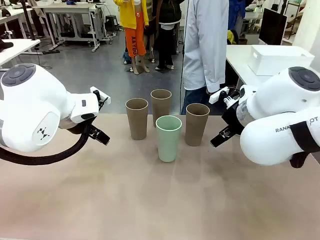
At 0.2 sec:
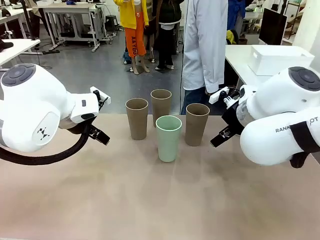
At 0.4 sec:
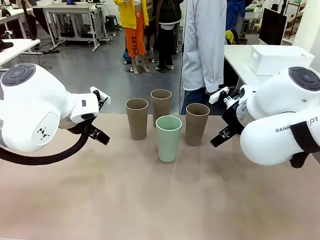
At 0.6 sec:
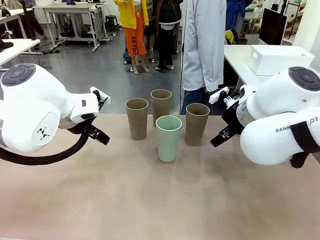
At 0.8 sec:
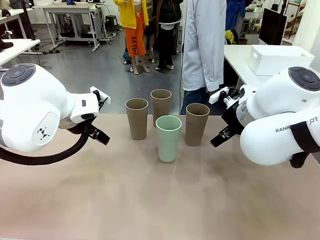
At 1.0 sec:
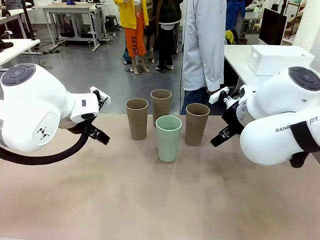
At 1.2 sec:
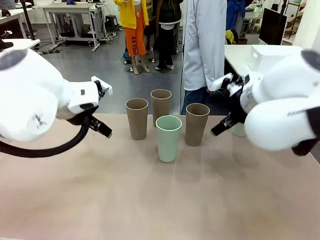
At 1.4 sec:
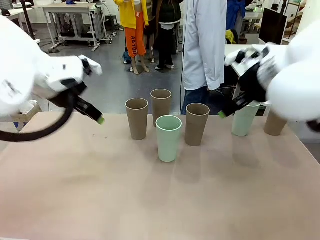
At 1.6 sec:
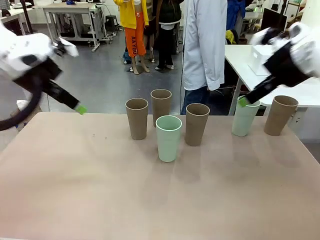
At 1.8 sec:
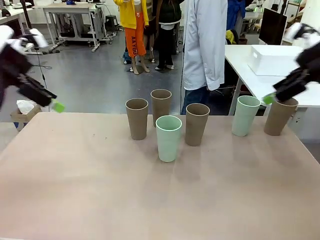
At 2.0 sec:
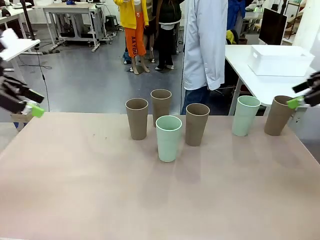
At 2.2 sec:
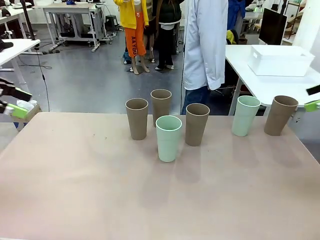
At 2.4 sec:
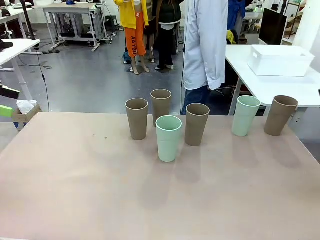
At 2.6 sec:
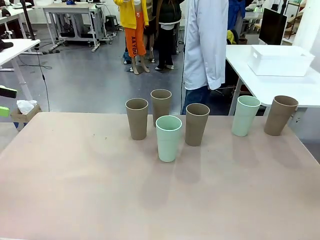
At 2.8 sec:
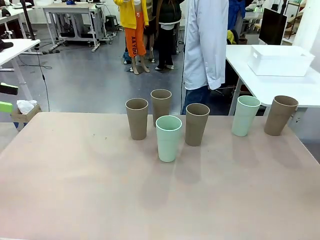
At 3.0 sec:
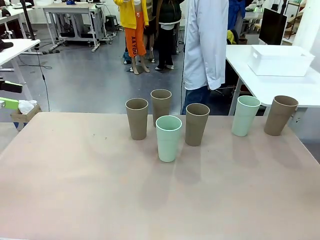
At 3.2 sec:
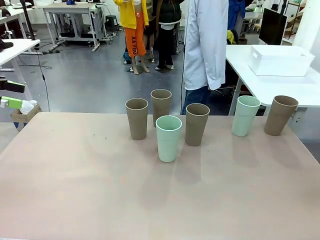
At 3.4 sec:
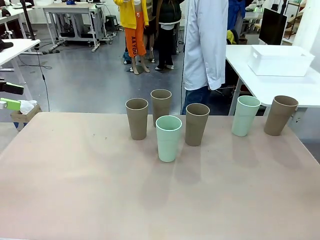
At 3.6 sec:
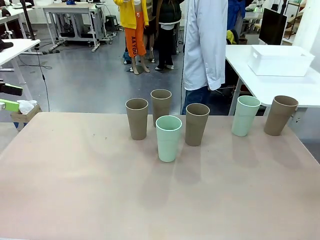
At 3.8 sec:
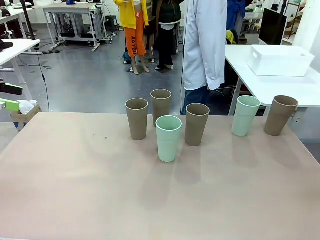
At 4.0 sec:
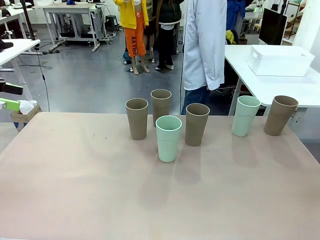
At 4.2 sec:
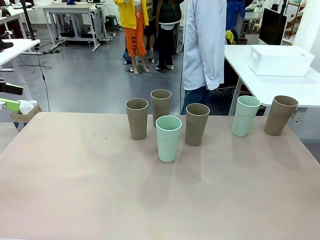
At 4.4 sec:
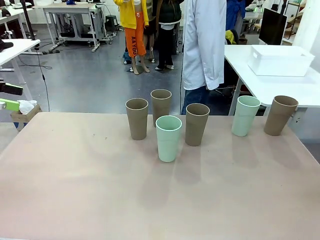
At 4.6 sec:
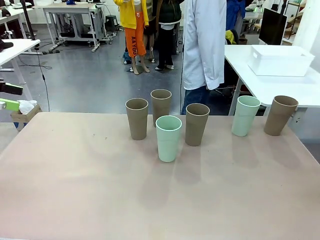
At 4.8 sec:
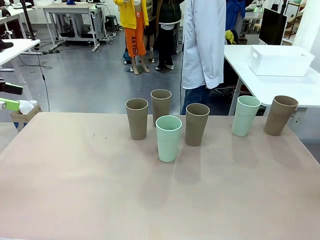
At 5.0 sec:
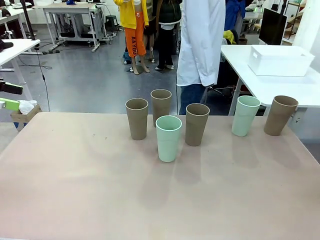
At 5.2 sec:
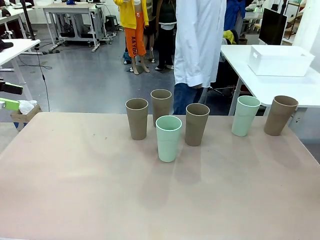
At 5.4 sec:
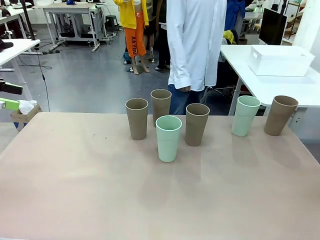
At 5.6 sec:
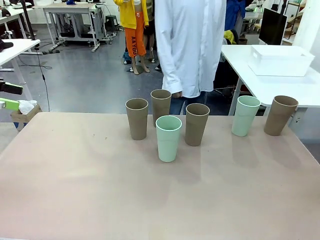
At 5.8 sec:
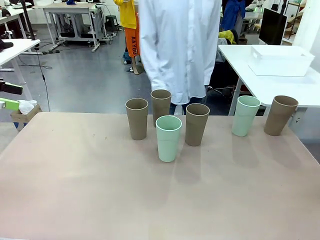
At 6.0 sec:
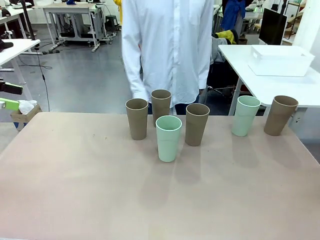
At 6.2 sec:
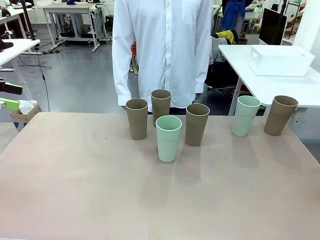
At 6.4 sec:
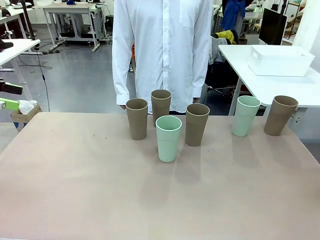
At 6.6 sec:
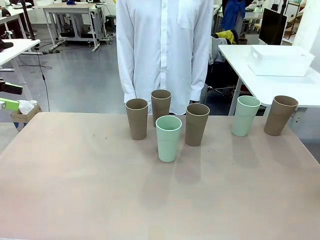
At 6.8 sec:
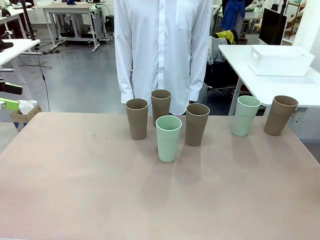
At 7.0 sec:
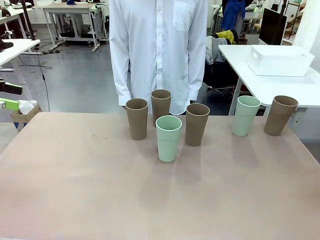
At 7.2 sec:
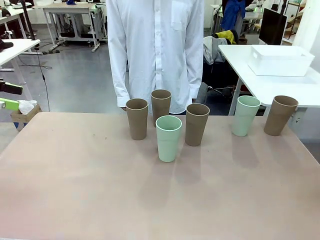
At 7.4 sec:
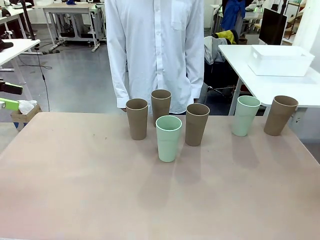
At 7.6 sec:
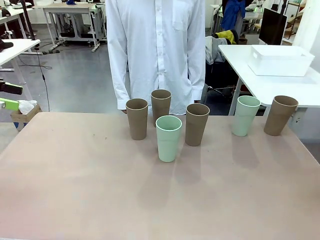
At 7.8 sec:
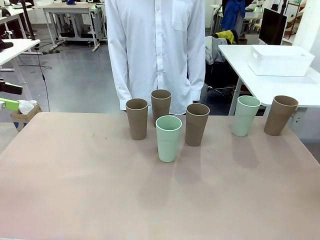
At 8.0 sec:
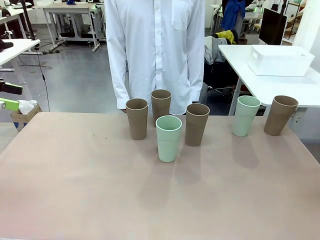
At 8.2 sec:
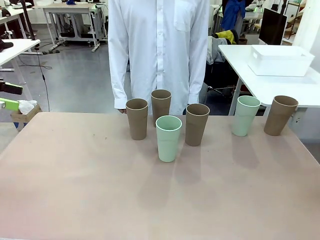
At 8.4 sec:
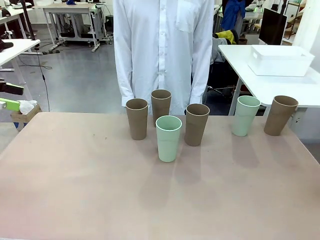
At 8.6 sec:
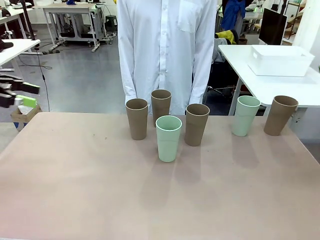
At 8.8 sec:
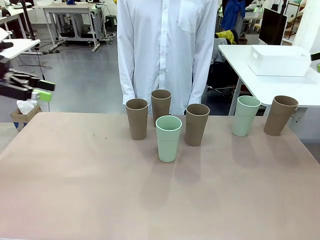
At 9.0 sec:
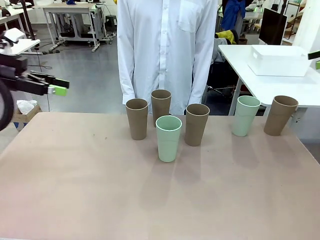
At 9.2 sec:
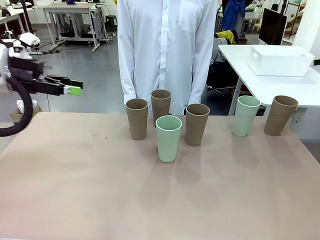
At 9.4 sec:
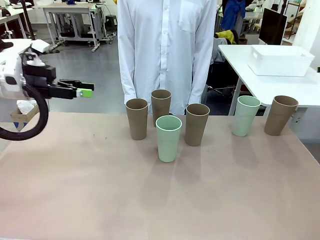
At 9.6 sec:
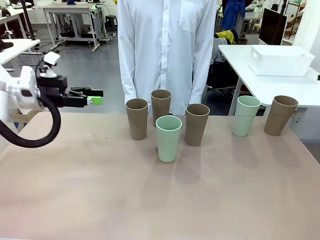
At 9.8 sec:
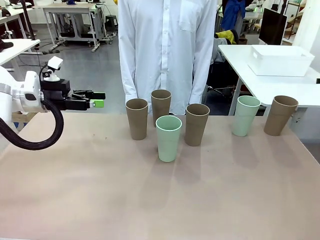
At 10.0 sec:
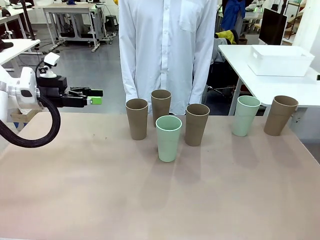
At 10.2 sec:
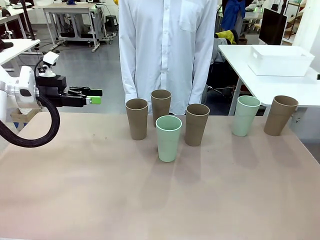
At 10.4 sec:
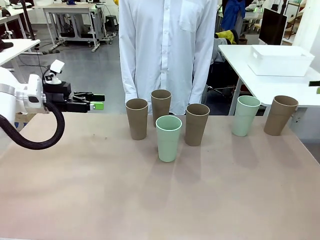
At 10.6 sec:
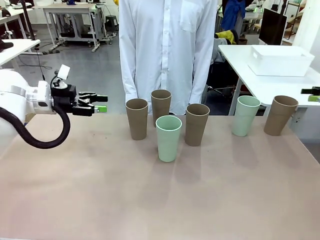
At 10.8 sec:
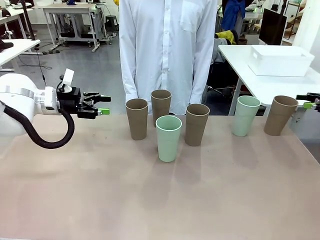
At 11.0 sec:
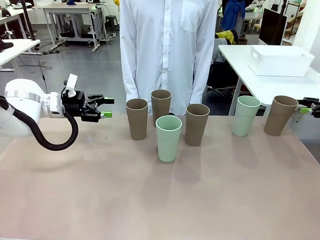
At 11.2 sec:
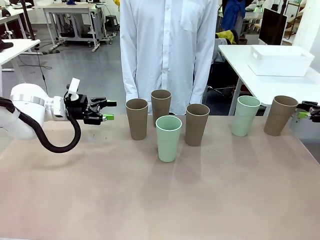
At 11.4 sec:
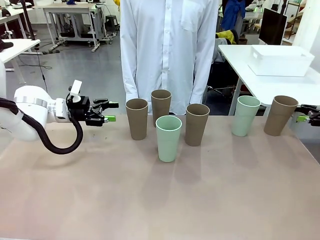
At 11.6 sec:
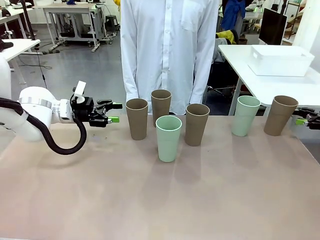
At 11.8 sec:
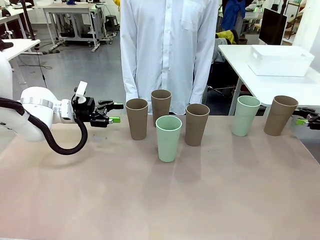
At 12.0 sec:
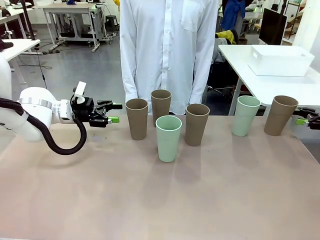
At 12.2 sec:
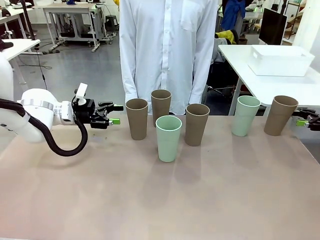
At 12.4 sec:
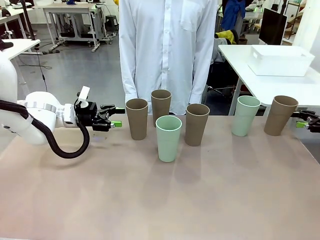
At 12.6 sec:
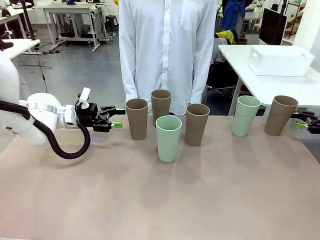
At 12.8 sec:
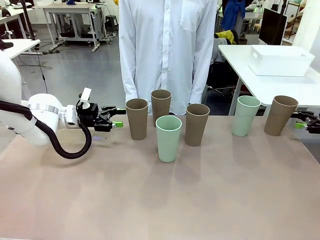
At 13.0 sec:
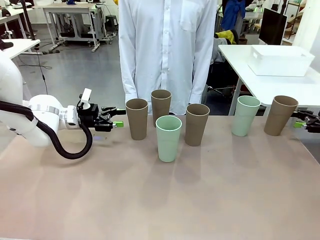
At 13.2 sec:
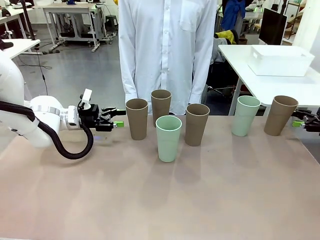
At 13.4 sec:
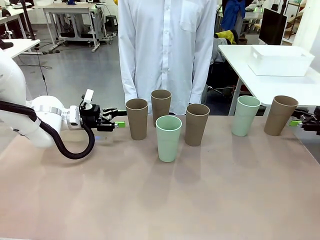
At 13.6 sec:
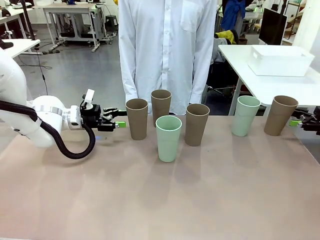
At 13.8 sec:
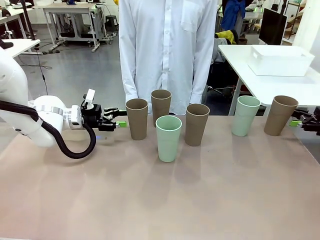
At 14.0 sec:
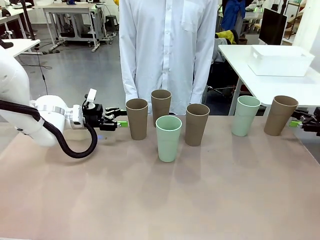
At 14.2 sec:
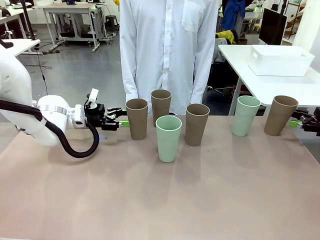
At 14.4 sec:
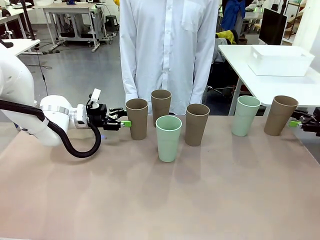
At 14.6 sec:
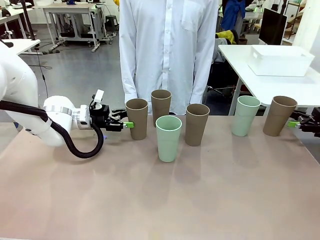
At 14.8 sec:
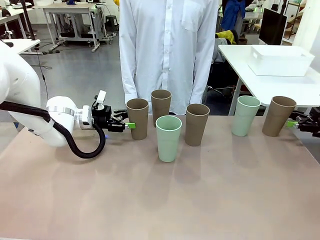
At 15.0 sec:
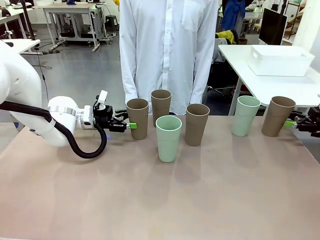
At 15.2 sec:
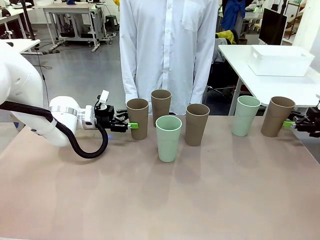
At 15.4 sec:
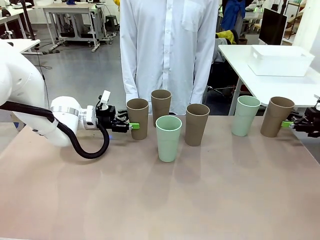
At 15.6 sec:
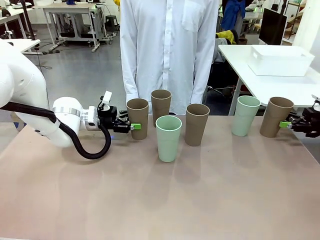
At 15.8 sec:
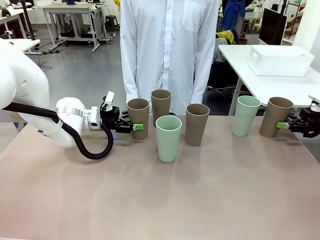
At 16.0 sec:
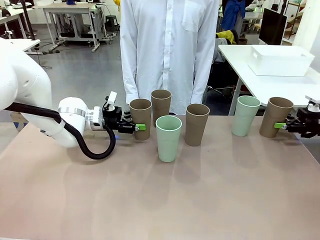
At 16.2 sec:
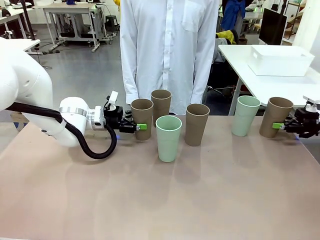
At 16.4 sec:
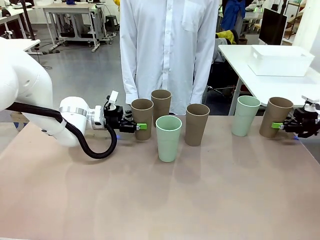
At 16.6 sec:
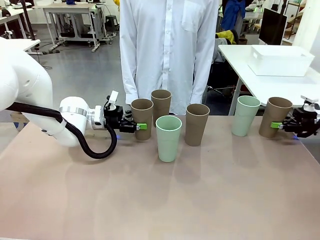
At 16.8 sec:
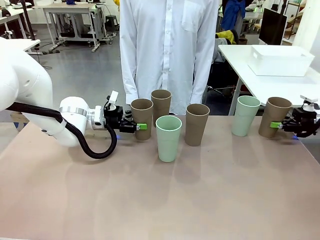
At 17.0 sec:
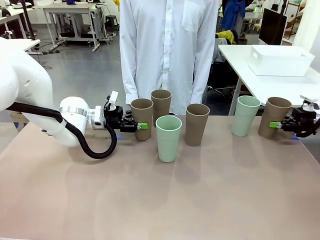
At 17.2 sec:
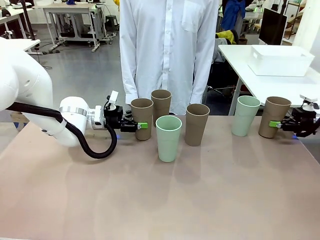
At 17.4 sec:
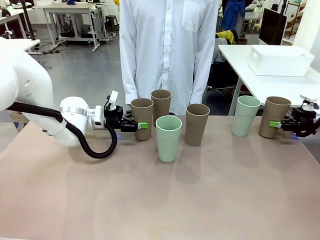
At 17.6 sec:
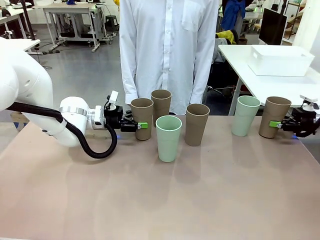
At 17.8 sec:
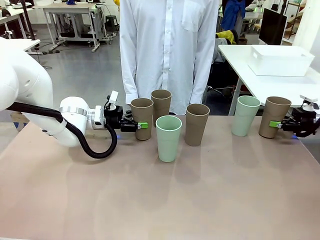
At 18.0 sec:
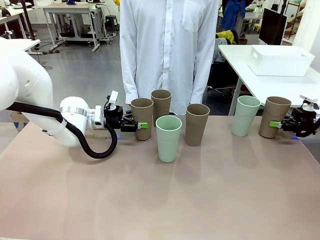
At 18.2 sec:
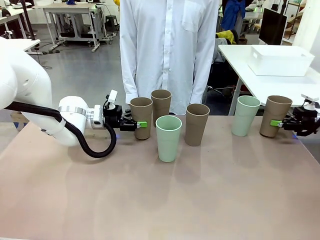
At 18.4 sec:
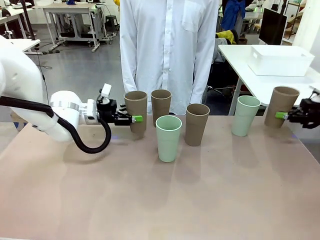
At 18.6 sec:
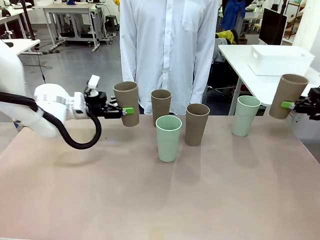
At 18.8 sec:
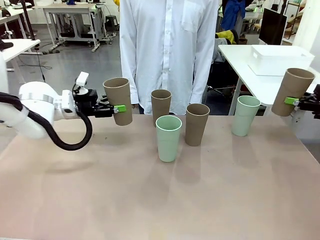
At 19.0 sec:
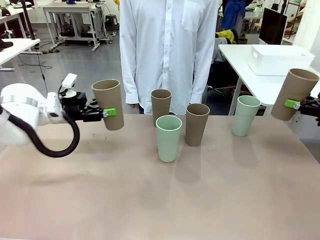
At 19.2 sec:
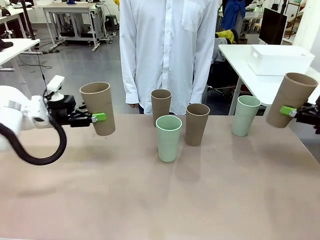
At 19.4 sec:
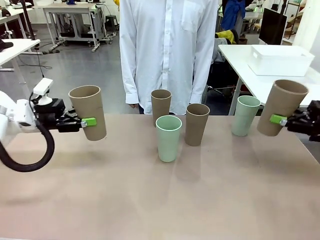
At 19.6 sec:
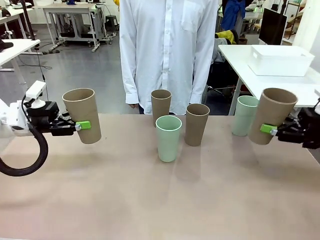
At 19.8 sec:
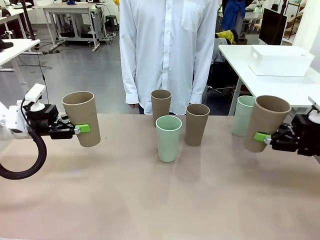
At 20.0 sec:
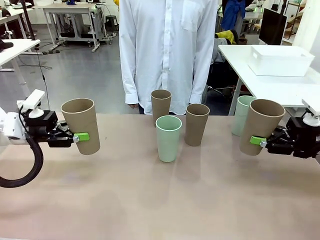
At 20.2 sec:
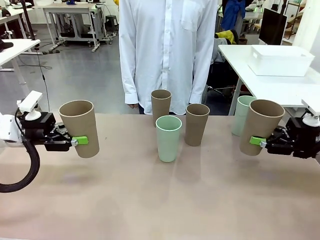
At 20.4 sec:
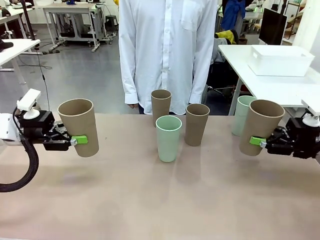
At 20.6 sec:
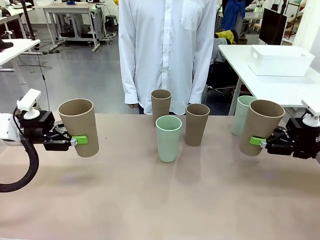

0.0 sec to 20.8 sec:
Task: Stack the cups and store them in the basket.
Robot: Pick up two Reusable plastic cups , one in each hand.
Person: Move from the Human Table to the front of the Robot Table. Stack two of the remaining cups on top of each cup held by the robot.
